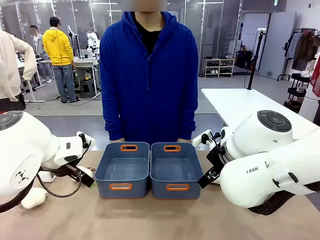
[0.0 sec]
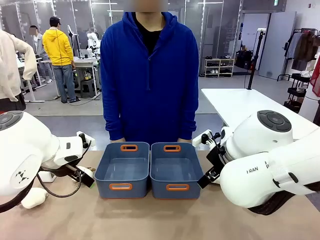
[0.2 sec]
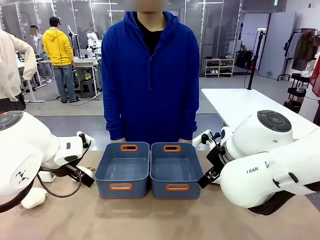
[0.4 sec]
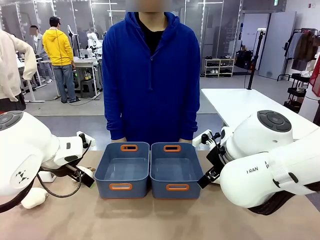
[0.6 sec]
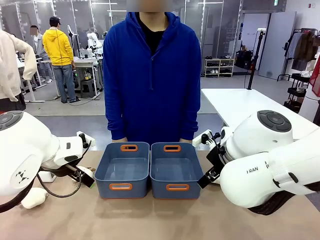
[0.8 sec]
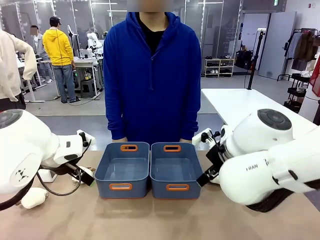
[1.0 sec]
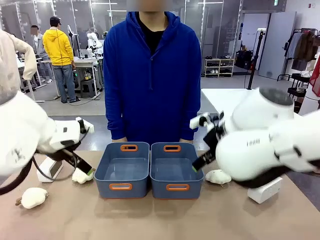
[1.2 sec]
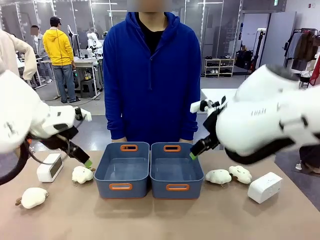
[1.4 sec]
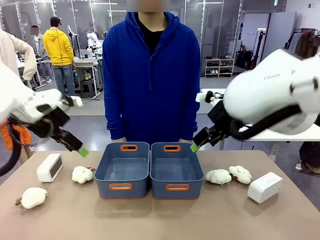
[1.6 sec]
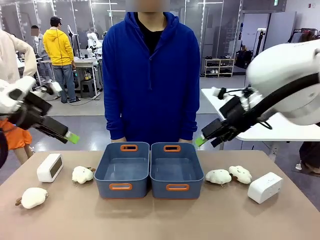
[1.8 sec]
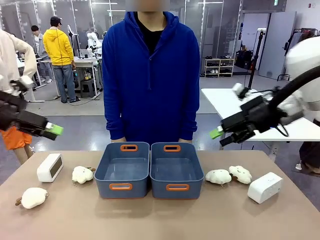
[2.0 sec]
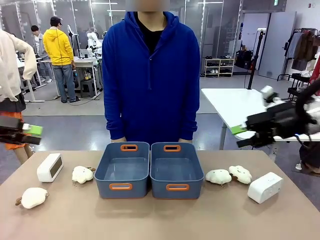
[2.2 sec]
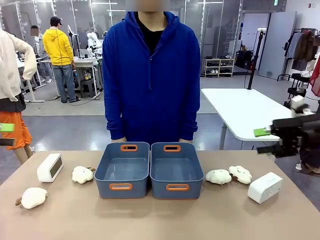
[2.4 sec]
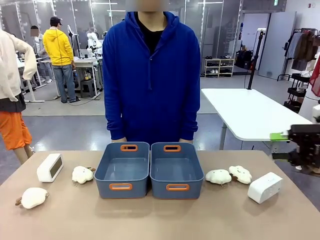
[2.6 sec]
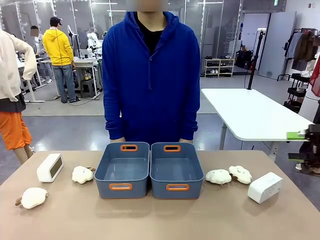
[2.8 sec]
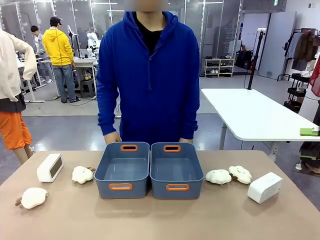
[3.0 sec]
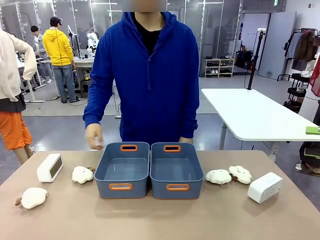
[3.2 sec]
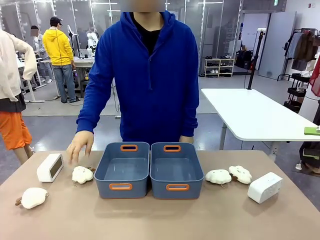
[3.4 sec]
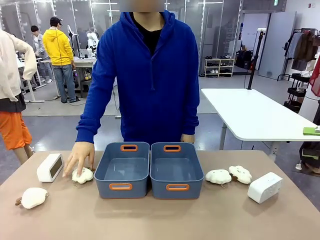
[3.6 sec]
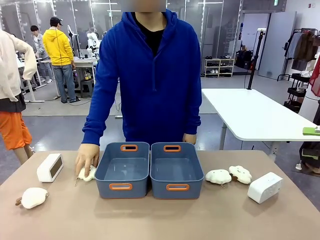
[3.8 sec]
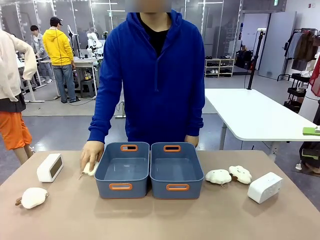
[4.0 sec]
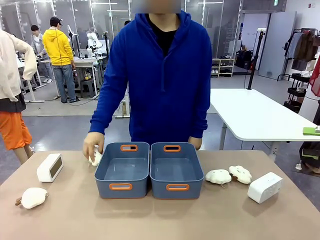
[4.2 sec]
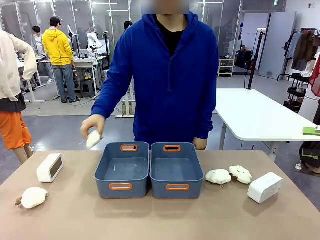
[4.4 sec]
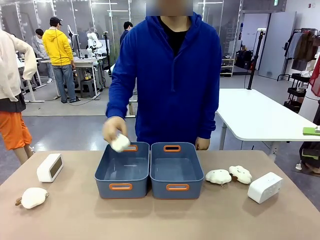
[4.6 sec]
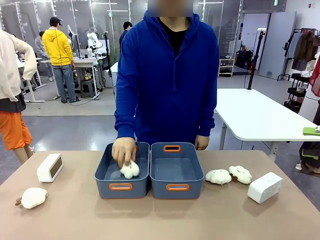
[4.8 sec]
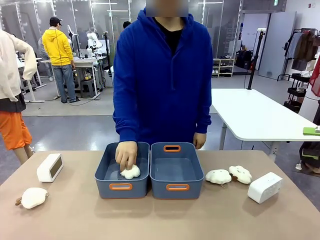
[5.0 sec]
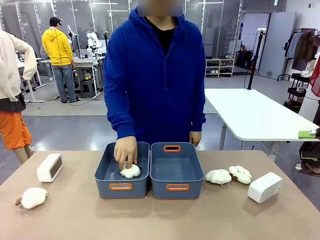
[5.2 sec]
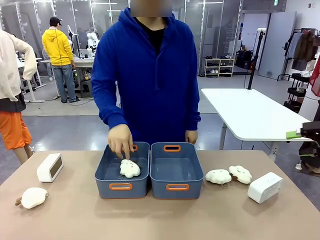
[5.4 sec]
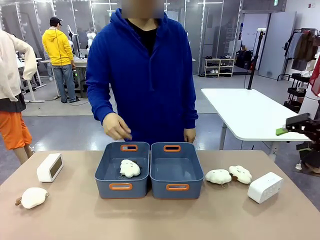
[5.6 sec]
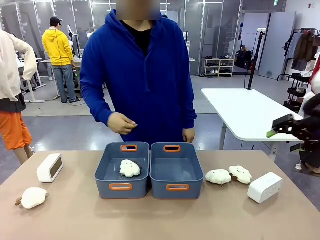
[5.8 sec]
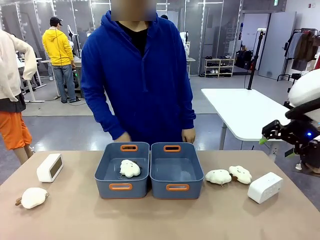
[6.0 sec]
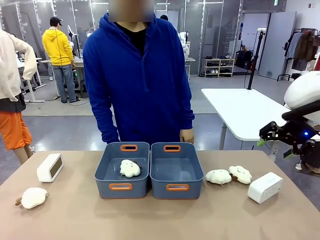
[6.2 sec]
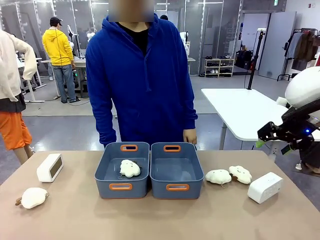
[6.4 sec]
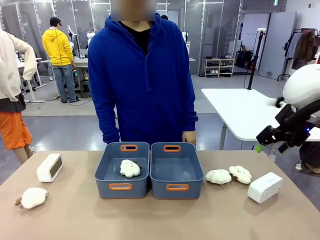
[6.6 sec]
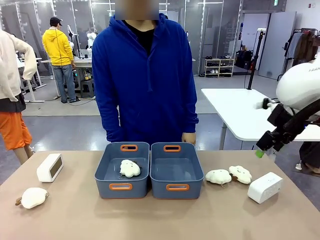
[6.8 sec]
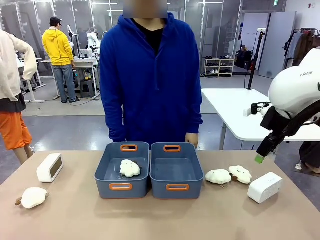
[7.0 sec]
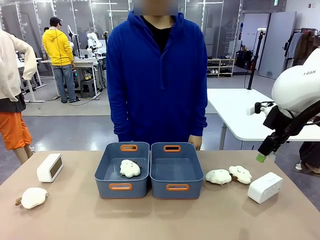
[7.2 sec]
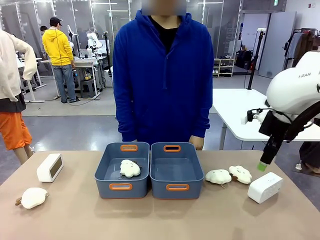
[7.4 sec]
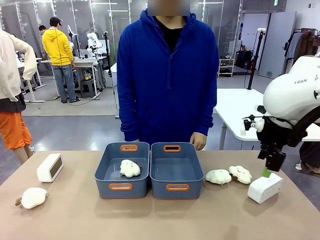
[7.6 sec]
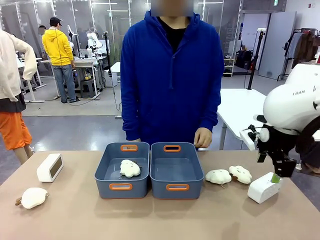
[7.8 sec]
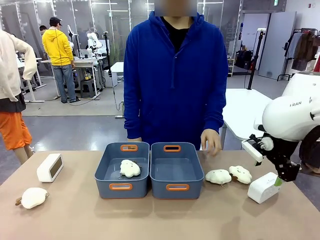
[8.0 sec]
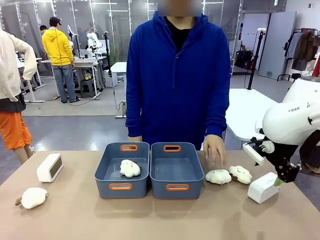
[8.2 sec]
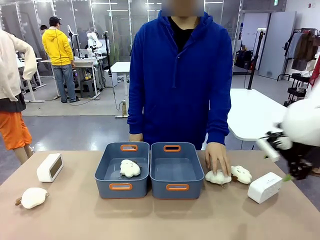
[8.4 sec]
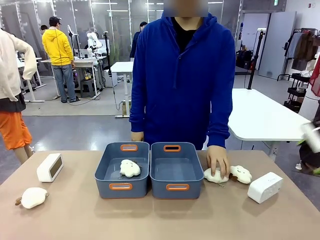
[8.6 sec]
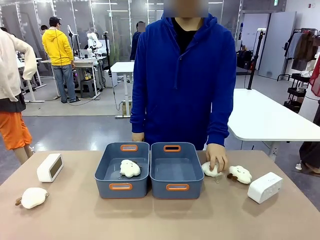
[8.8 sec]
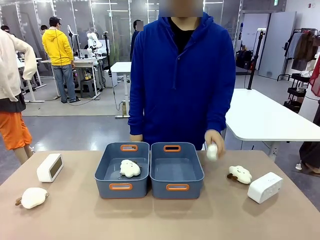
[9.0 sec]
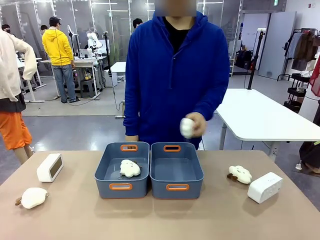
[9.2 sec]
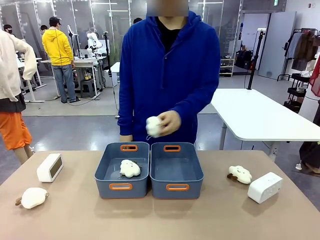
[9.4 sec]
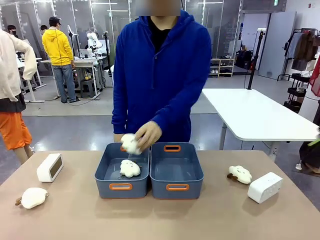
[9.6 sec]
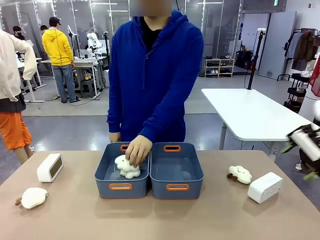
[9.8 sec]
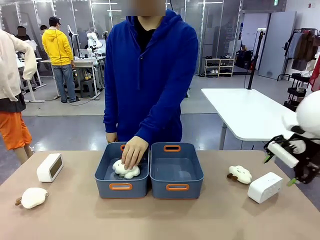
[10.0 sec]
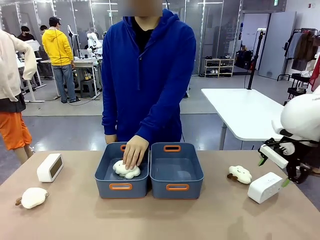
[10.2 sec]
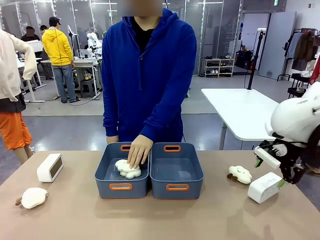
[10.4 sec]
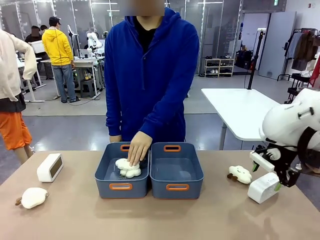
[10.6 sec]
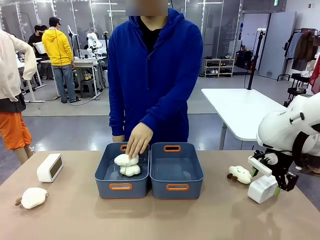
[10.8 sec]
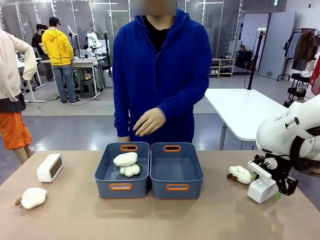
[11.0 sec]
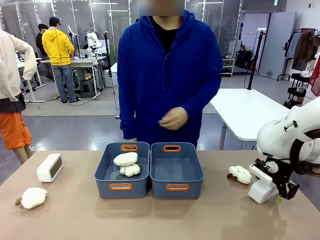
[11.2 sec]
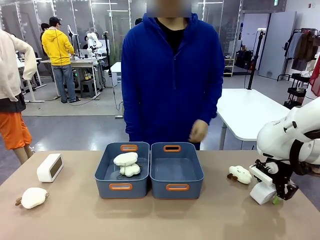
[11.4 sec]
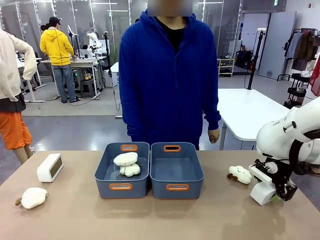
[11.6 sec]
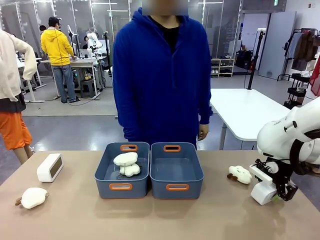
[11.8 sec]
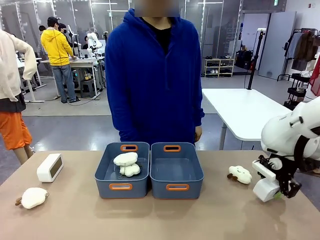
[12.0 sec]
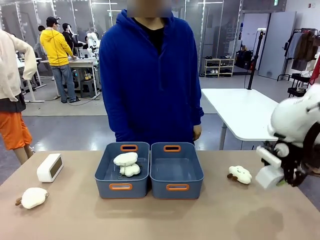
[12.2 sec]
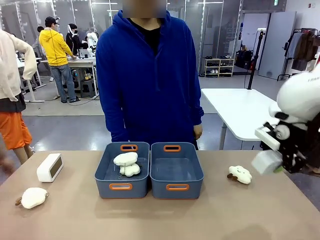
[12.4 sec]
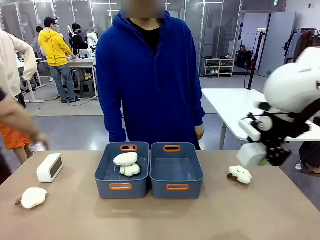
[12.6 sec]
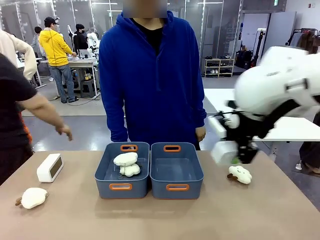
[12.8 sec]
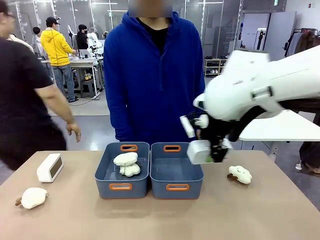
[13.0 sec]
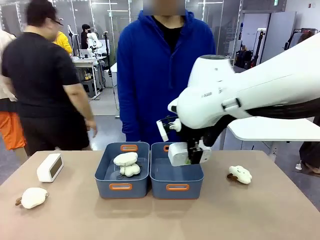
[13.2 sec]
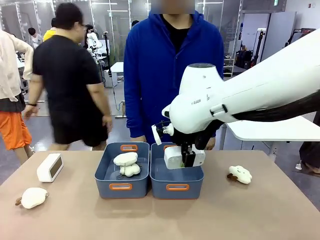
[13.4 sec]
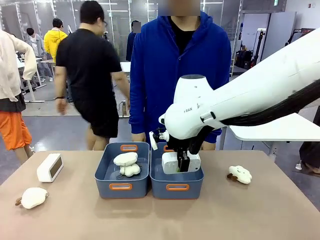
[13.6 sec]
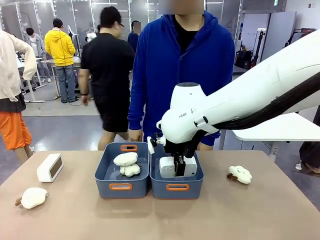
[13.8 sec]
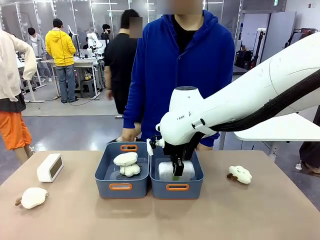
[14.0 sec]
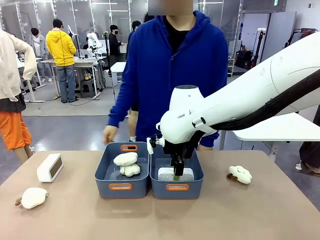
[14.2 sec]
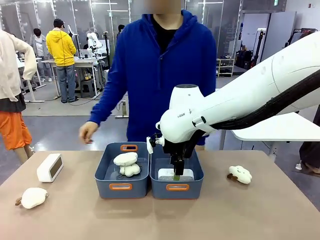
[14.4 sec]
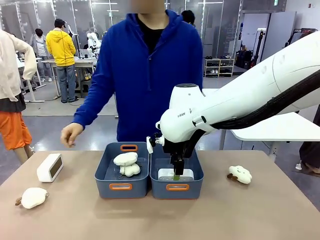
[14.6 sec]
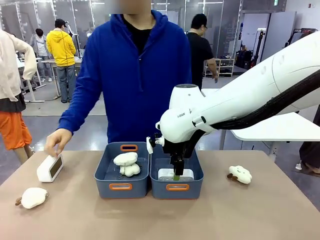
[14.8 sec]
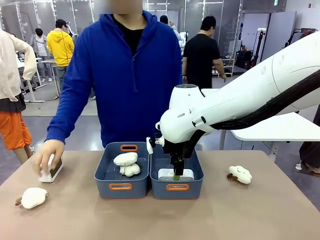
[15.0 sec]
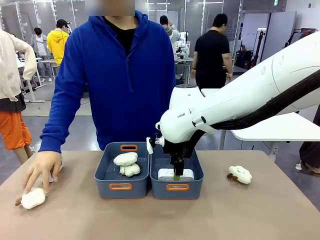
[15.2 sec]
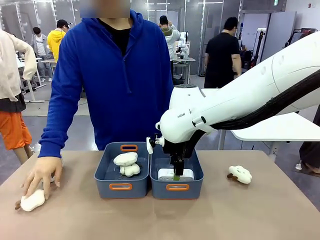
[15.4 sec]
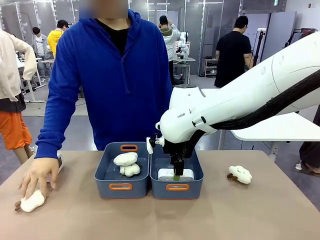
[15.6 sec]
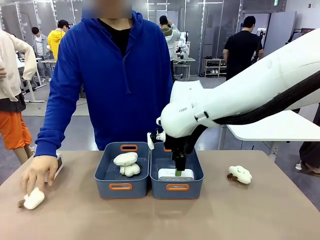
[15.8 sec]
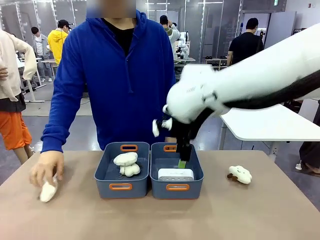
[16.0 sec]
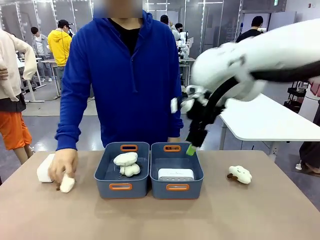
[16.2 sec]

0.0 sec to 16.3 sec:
Task: Sort the digital clocks into the basket.
Robot: Pick up the Digital clock from the table and place it into the empty Plastic storage basket.
Person: Pick up a plush toy from the table and place it in a plastic storage basket.
